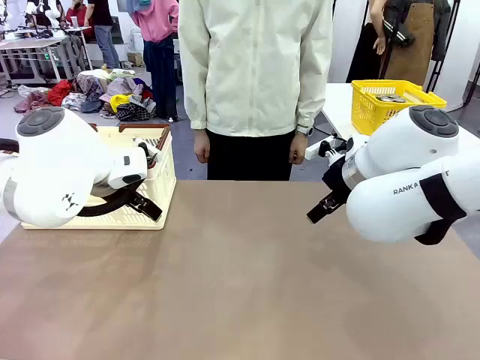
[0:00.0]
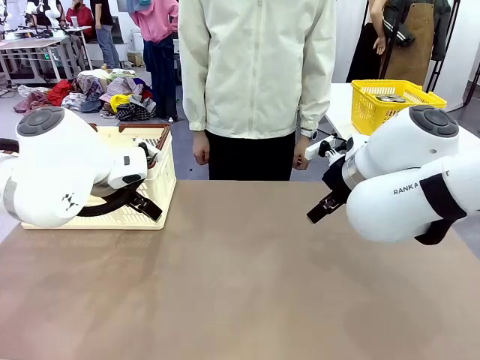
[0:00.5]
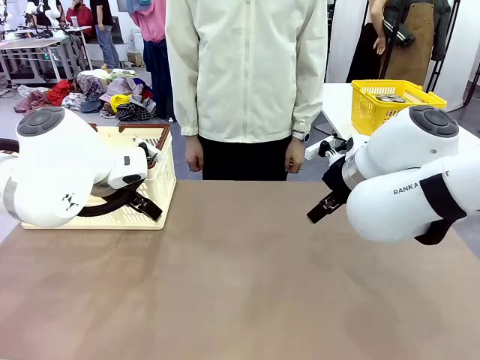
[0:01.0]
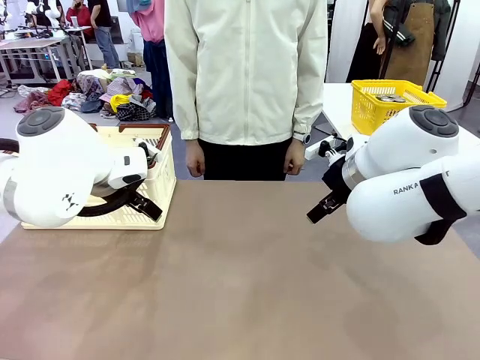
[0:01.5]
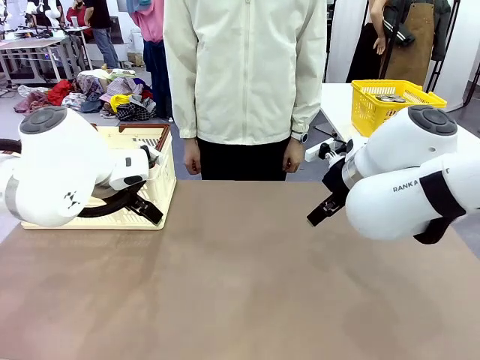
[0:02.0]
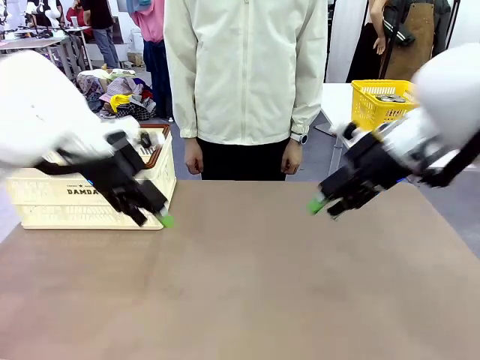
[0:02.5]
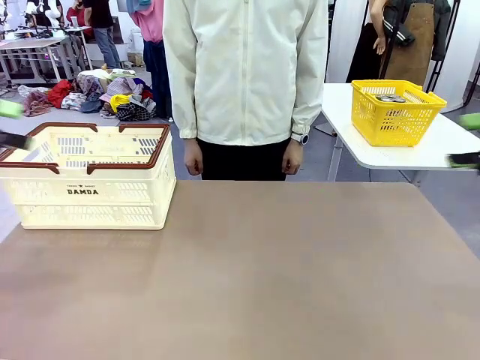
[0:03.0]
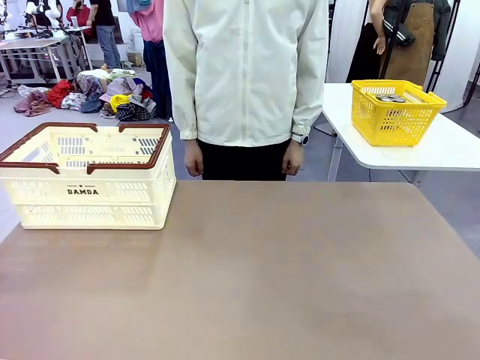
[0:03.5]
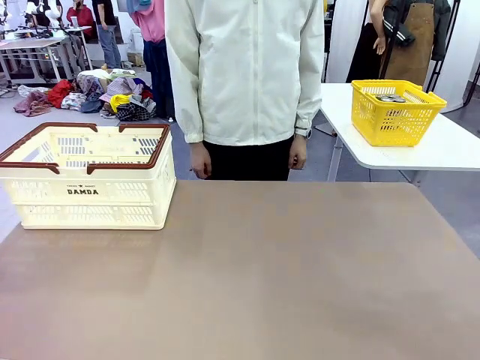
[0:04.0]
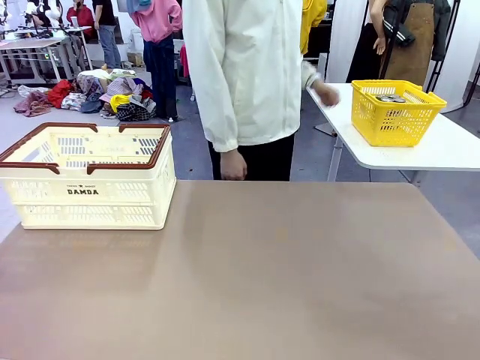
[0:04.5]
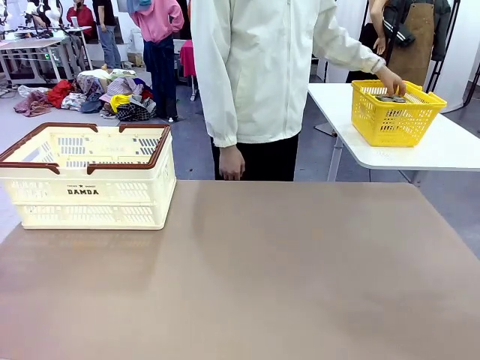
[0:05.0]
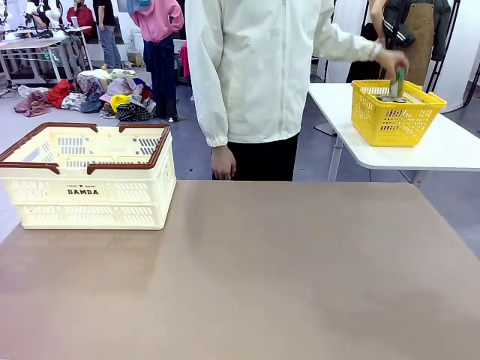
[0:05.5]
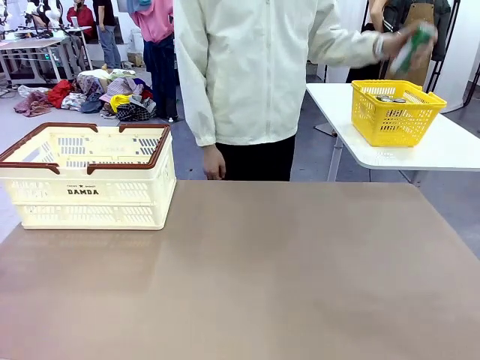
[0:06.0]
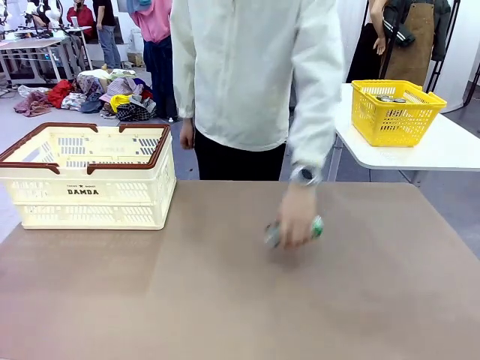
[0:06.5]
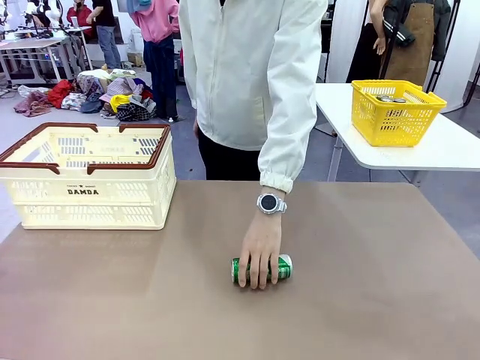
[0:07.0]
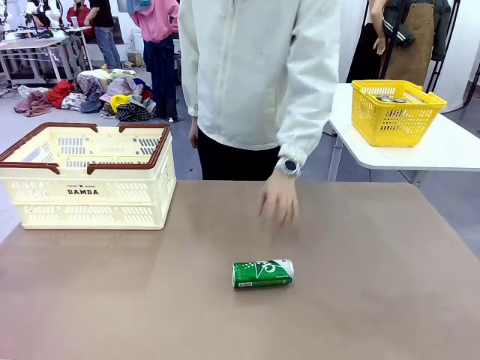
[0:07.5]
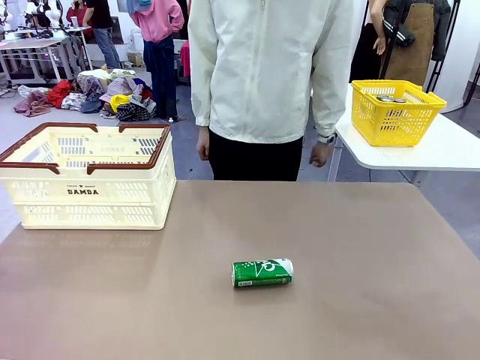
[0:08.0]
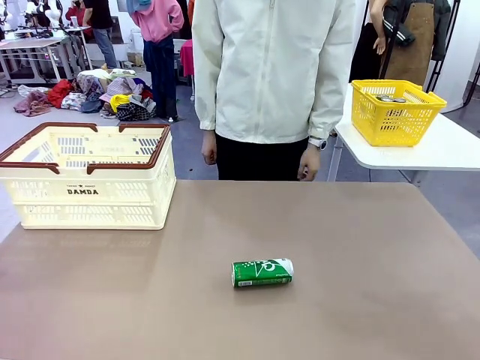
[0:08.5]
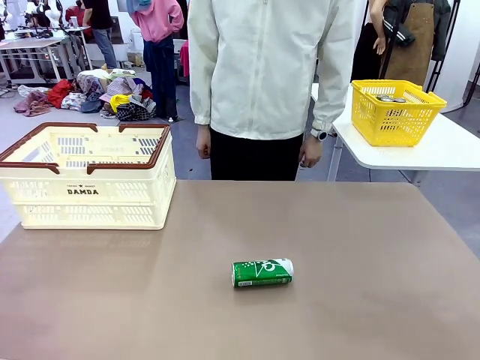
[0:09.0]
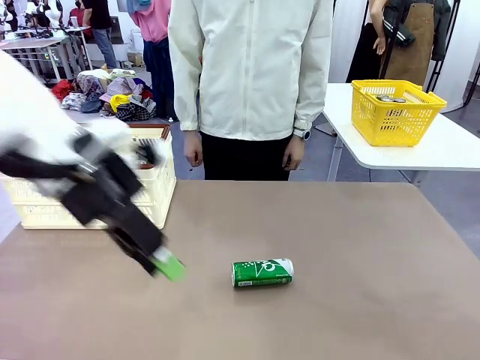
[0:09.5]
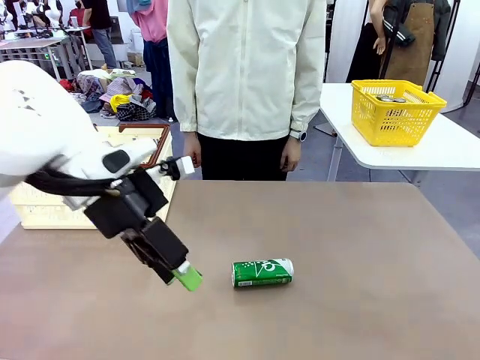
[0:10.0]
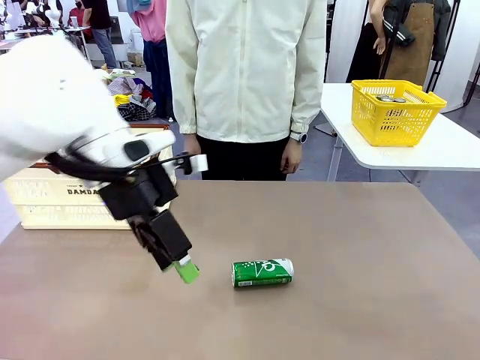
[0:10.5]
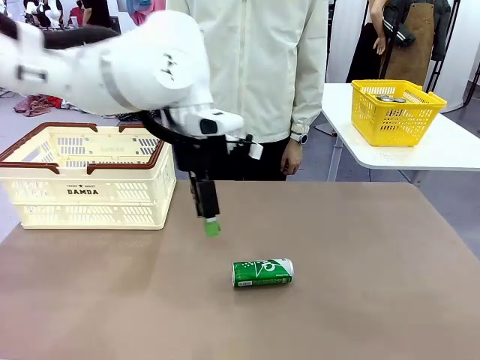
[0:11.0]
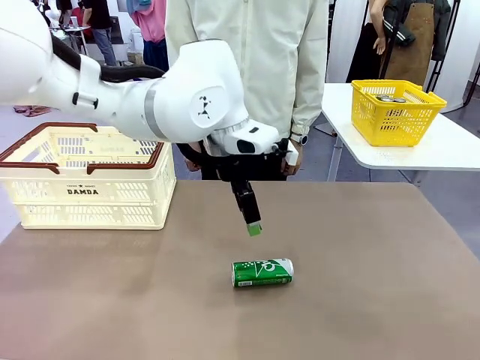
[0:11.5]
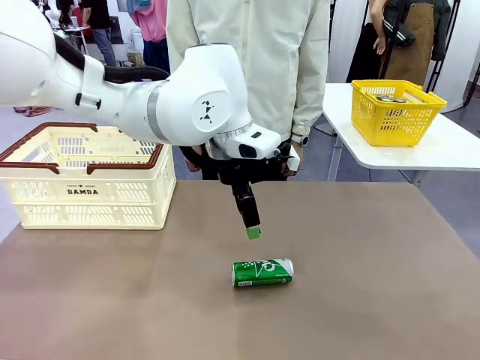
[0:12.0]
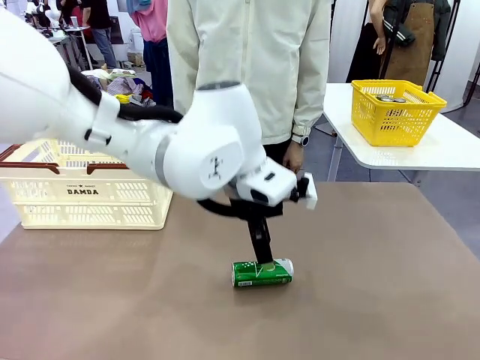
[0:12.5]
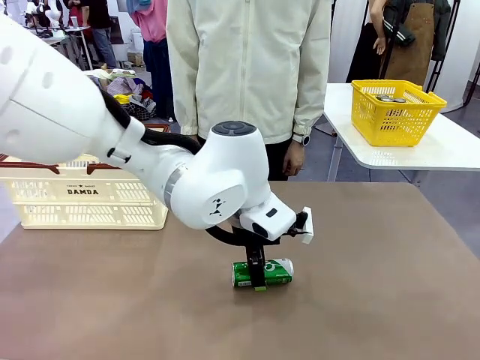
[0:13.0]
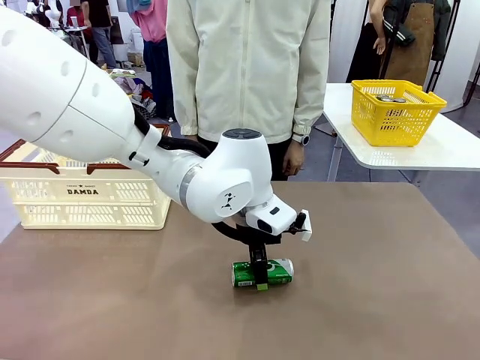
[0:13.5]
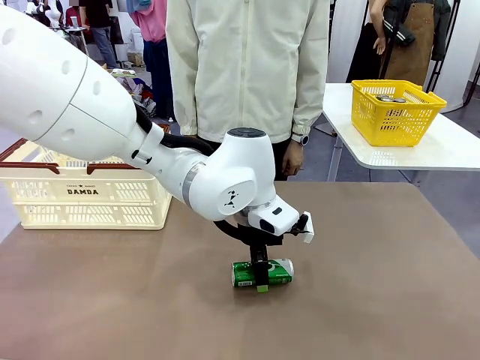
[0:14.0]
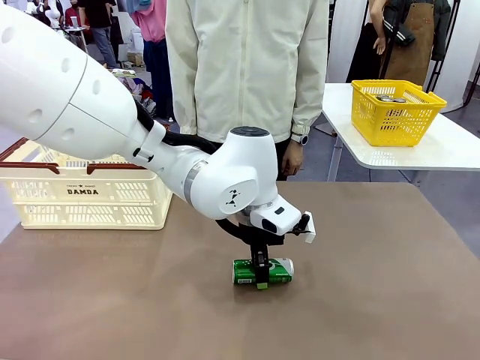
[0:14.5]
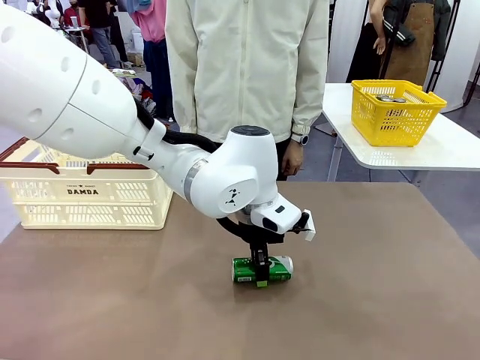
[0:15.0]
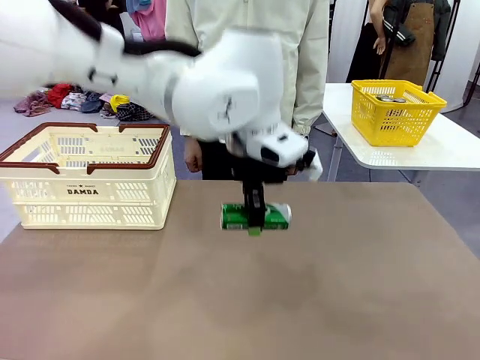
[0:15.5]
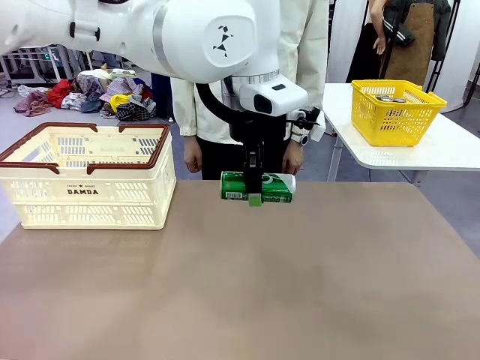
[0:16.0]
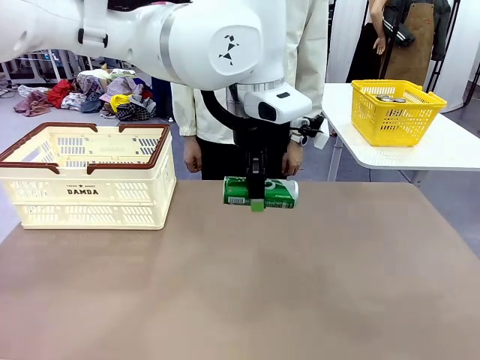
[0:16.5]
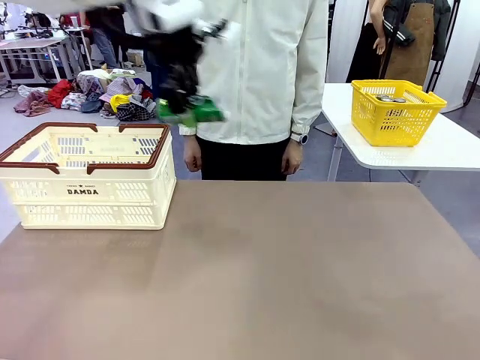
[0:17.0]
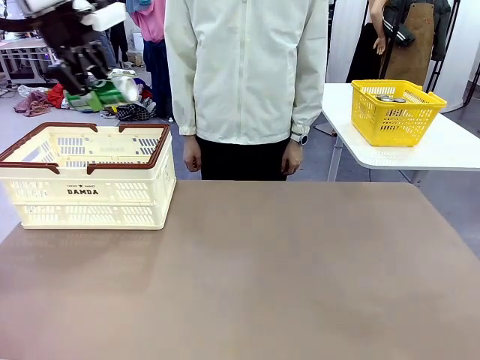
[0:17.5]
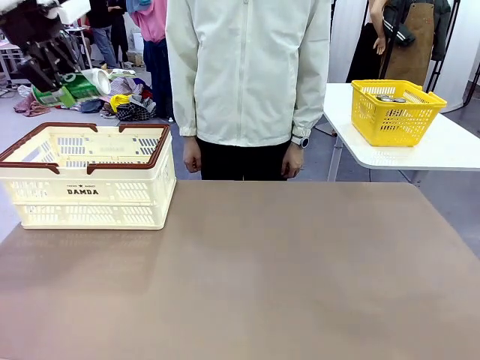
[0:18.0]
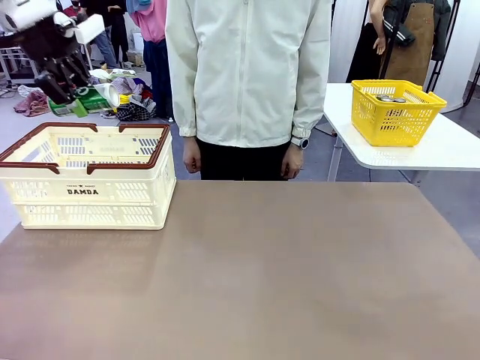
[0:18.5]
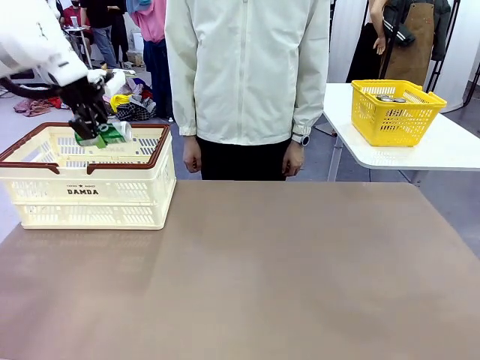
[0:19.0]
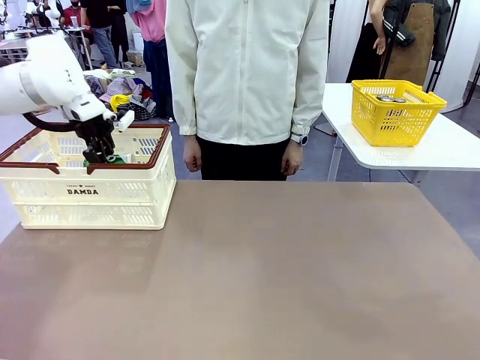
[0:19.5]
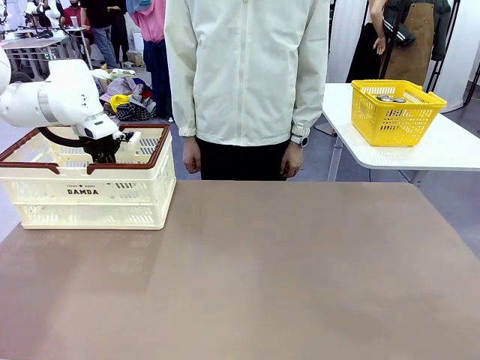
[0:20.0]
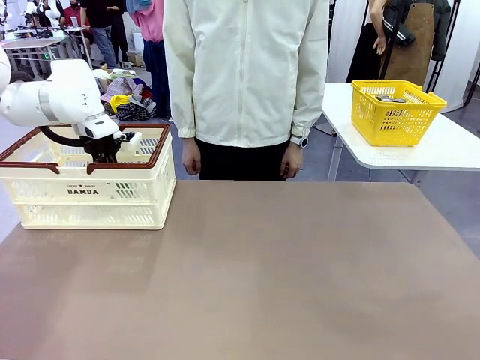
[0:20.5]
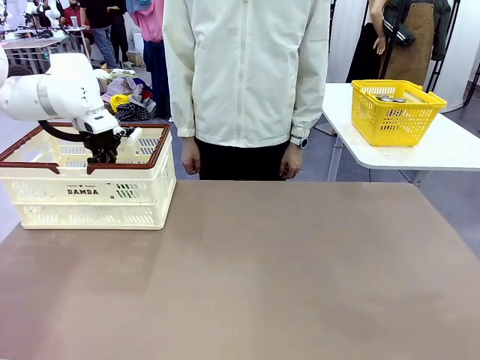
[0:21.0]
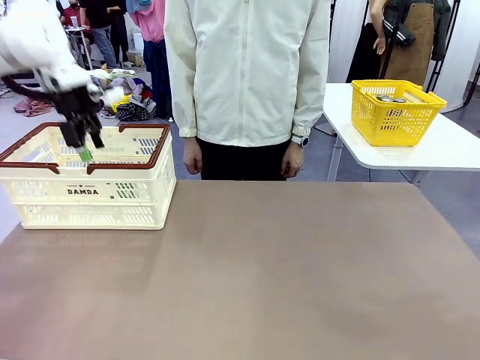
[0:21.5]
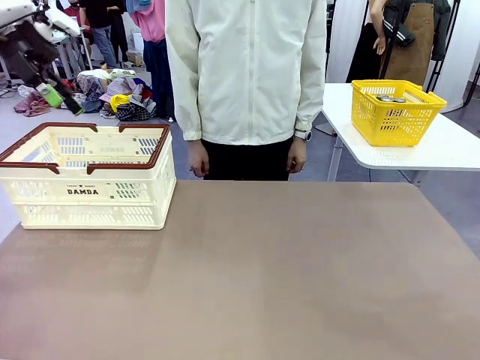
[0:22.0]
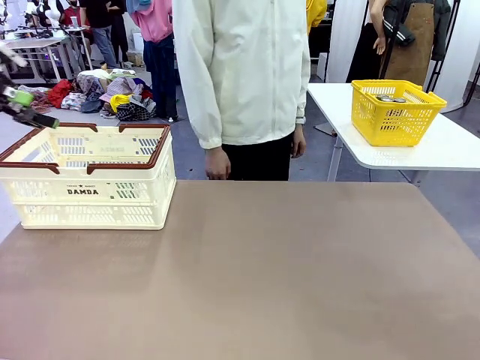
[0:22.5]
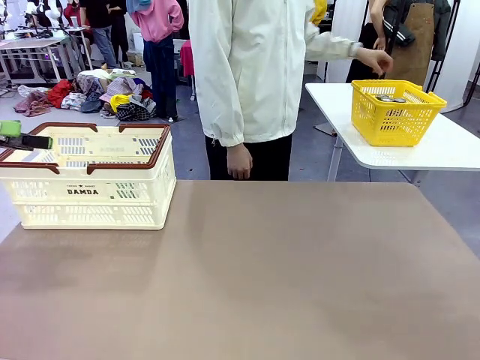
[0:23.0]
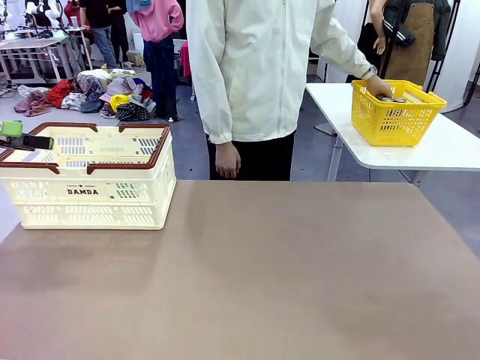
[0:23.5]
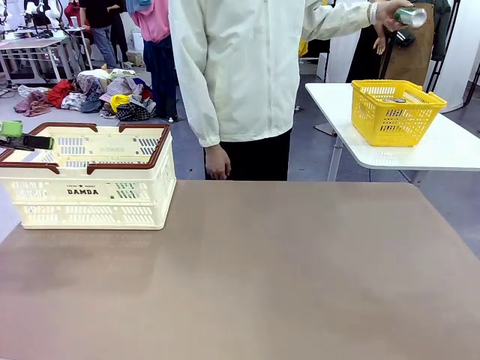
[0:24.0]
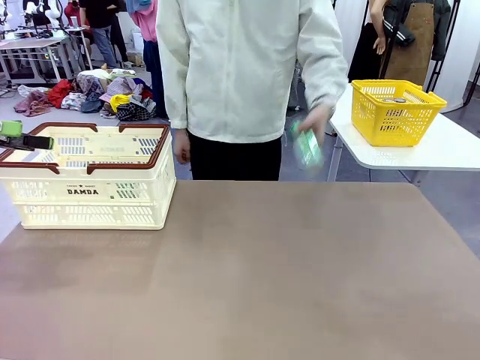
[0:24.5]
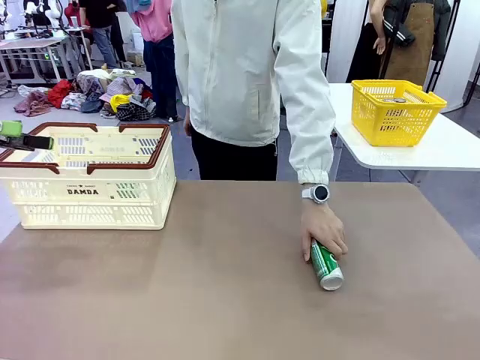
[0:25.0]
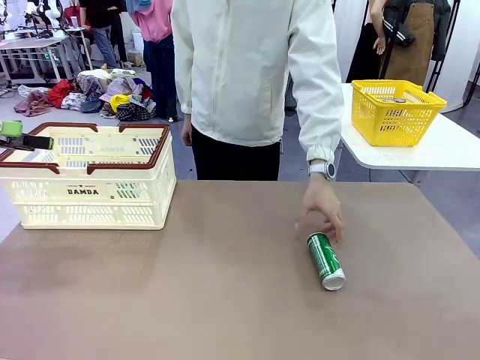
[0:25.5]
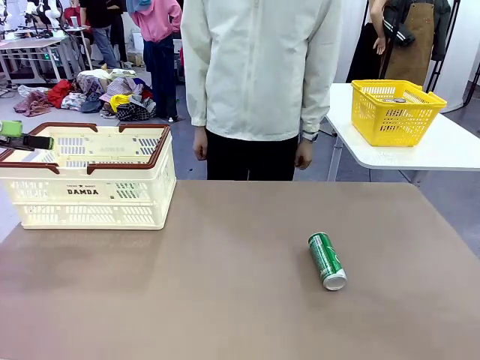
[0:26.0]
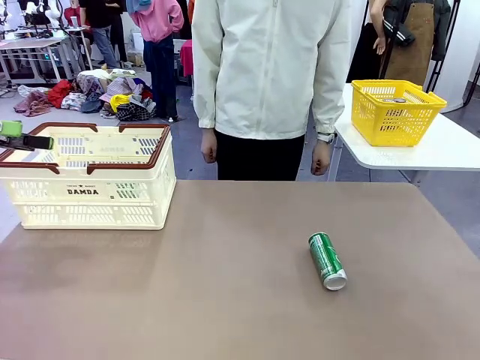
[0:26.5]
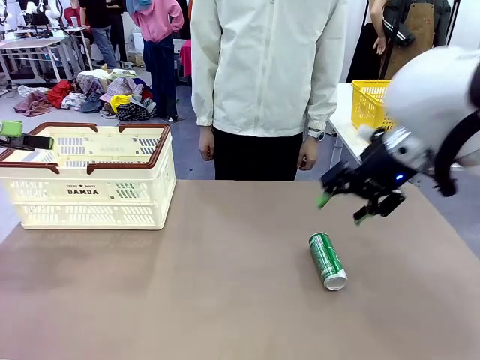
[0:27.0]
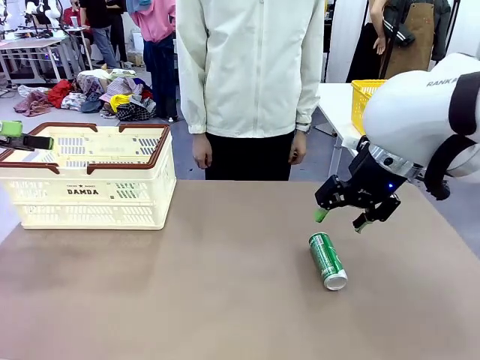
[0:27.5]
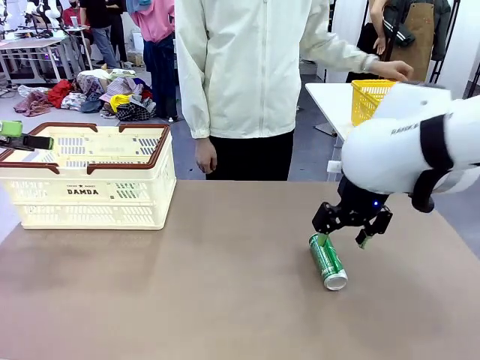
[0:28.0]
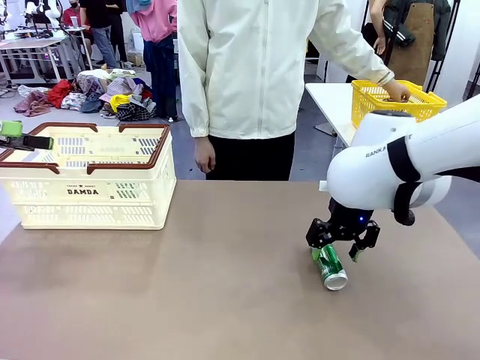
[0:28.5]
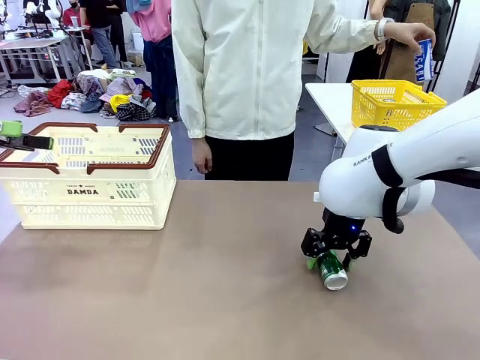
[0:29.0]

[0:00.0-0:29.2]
Task: Place the drinks into the Shopping basket.
Robot: Pick up one drink and place it into the Shopping basket.
